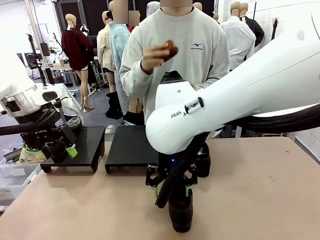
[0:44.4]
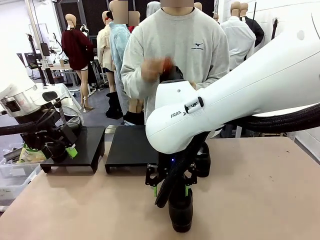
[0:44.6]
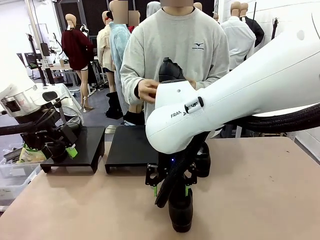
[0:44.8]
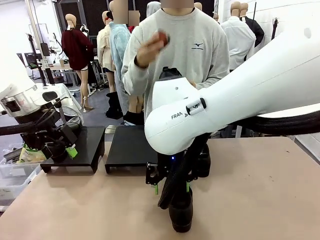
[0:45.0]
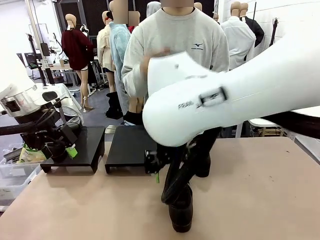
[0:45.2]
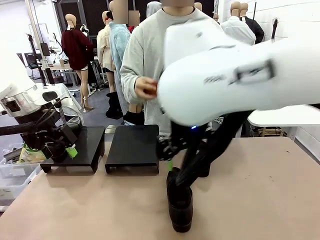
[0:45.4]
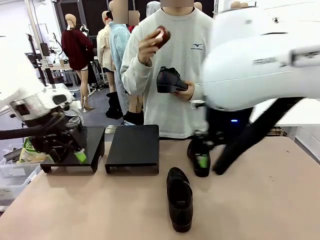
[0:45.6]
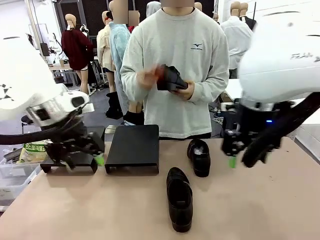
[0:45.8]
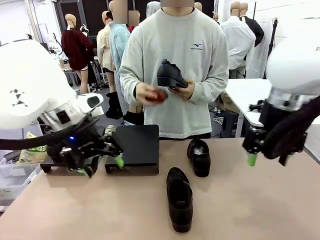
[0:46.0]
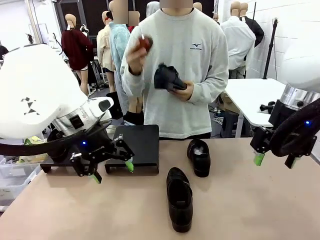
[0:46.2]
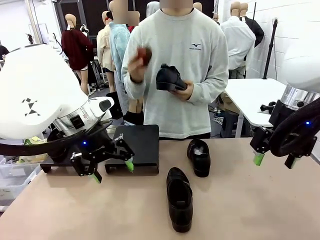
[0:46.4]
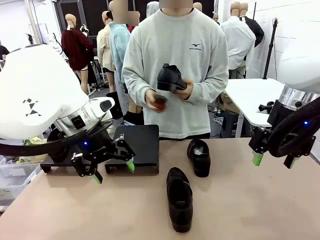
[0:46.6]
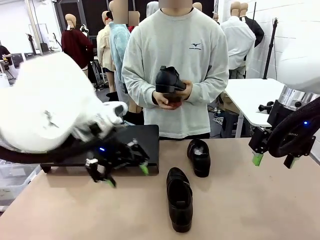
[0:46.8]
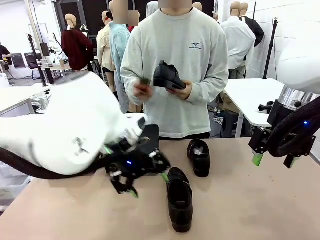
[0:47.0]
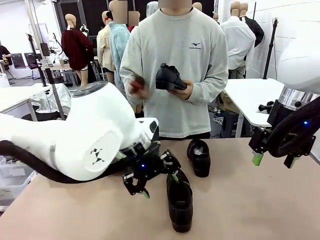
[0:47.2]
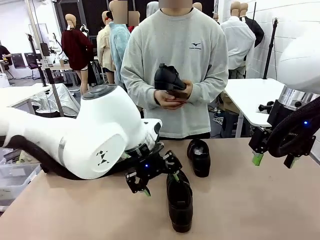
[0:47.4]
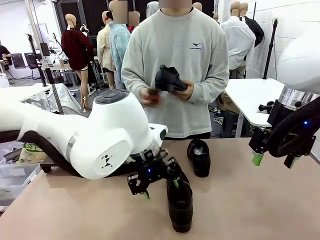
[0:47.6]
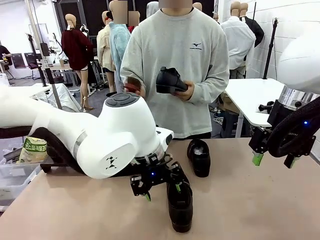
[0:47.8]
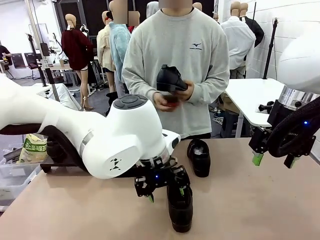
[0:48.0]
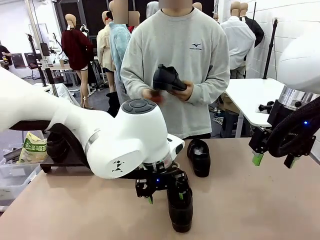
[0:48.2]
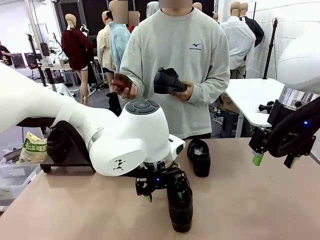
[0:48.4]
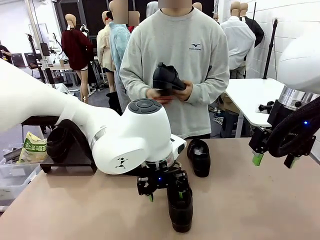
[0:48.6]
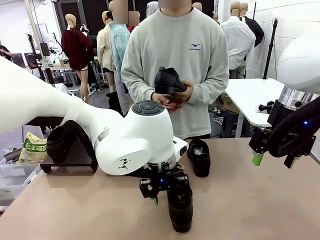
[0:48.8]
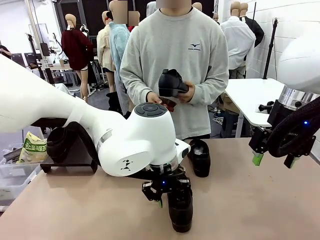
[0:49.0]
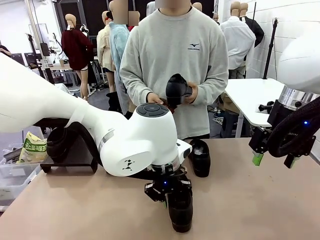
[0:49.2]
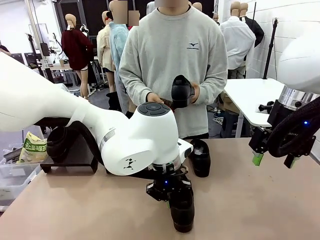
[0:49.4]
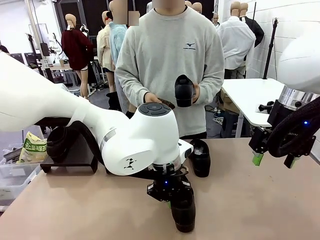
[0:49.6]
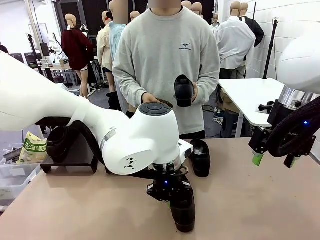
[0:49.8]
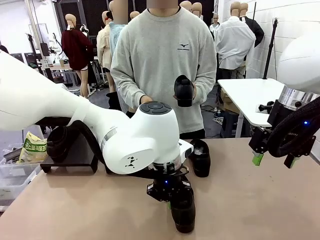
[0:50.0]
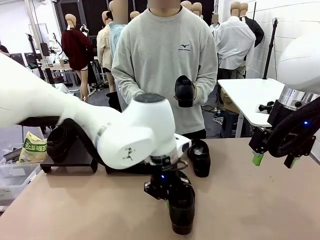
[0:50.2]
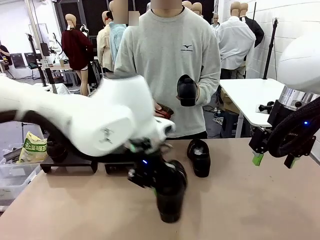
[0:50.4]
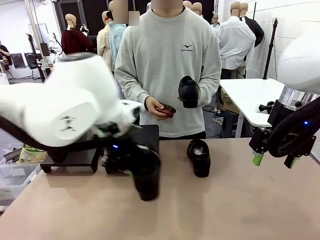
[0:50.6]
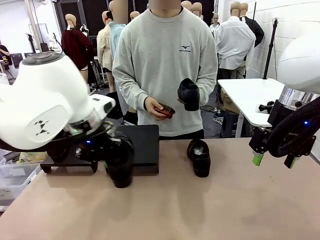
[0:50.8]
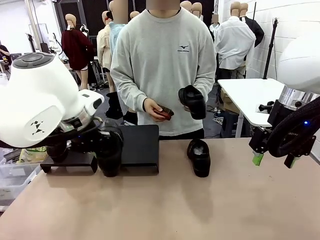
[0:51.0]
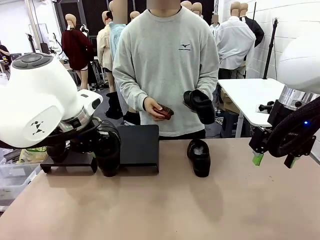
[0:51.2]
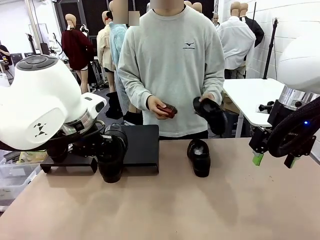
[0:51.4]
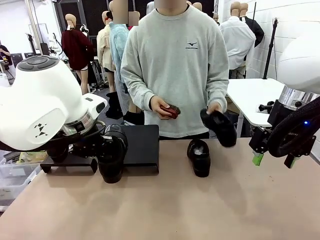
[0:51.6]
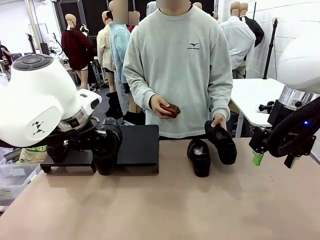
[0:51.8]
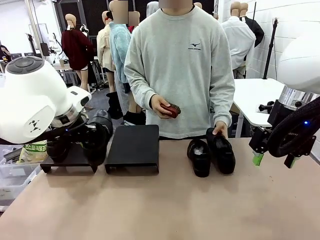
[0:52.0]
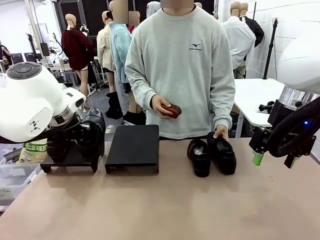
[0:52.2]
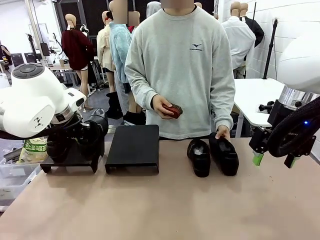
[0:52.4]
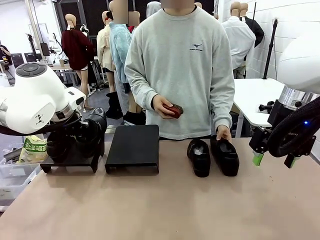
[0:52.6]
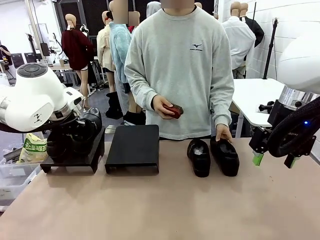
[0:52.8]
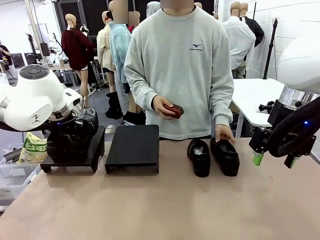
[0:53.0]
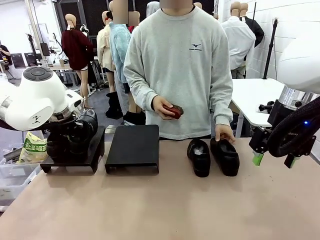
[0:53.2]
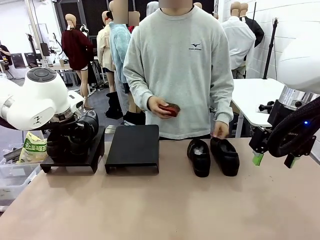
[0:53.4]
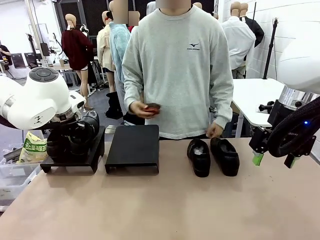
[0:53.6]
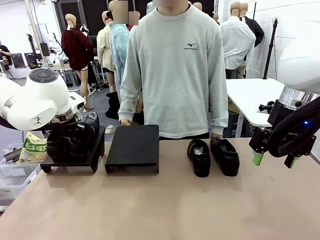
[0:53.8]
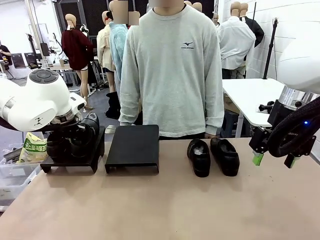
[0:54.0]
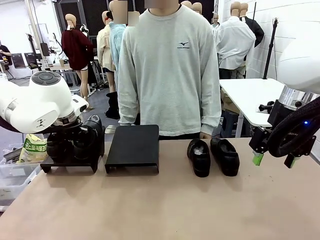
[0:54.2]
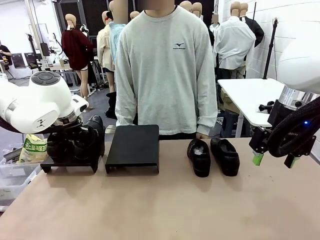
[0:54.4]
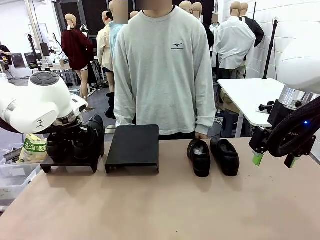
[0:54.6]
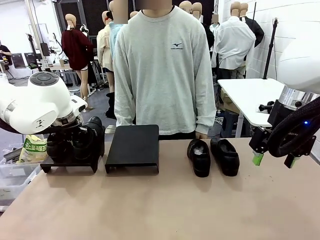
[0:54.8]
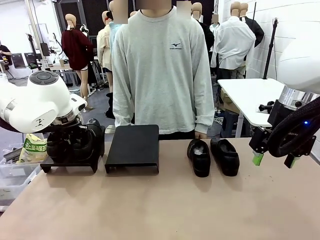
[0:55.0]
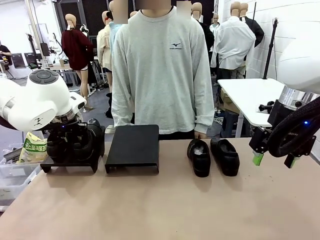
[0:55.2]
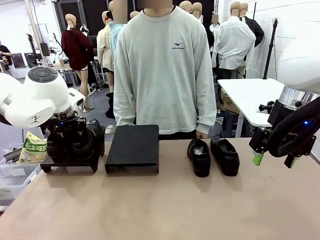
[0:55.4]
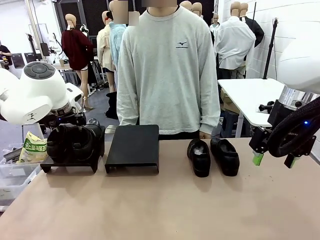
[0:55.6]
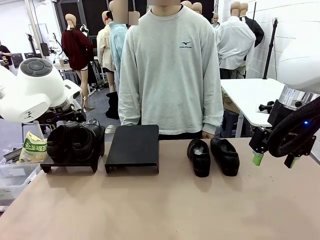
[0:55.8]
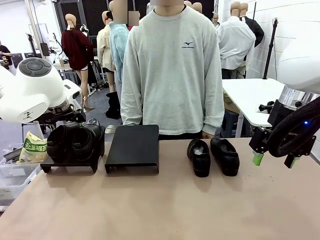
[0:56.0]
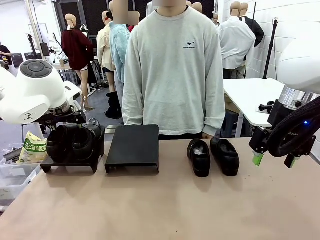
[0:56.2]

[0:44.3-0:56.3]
Task: Organize the shoes by placing them on the stand.
Robot: Place the Shoe from the middle of the table onto the Shoes Stand.

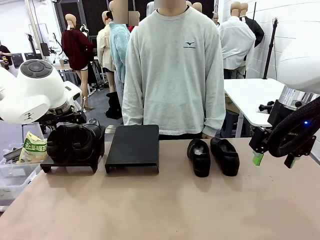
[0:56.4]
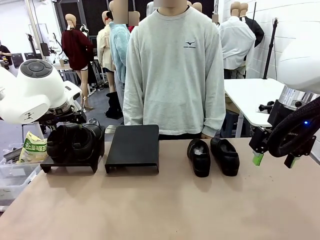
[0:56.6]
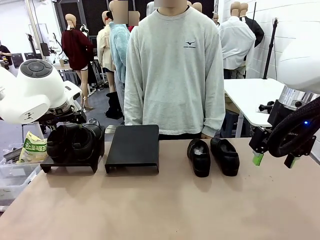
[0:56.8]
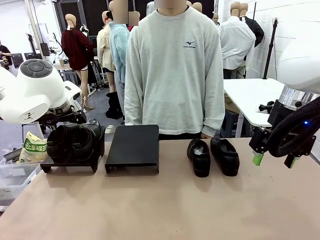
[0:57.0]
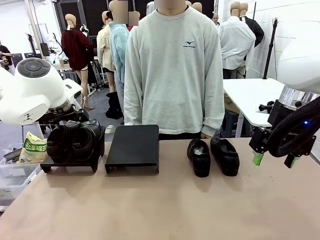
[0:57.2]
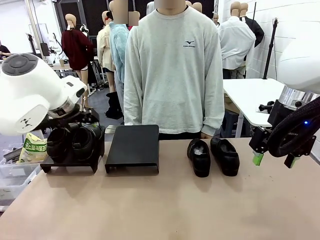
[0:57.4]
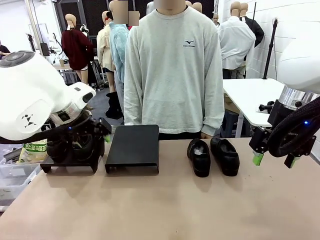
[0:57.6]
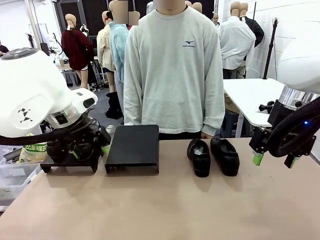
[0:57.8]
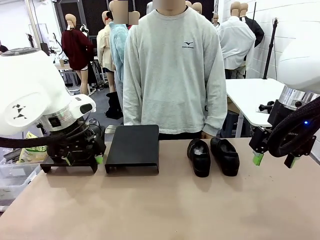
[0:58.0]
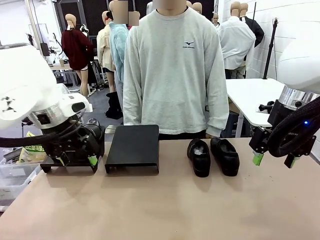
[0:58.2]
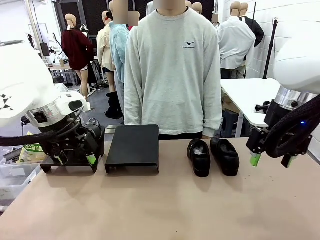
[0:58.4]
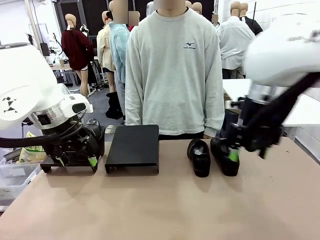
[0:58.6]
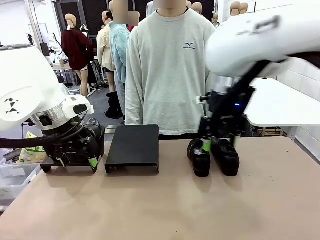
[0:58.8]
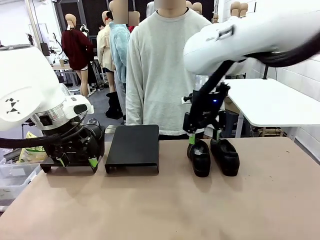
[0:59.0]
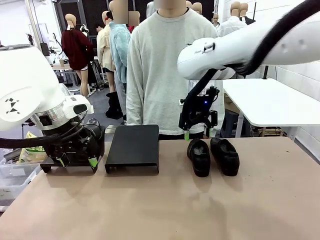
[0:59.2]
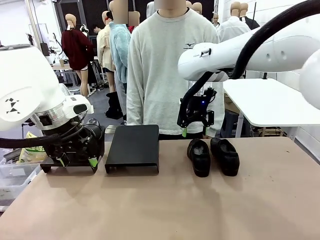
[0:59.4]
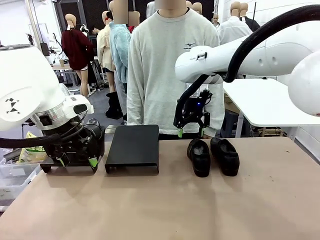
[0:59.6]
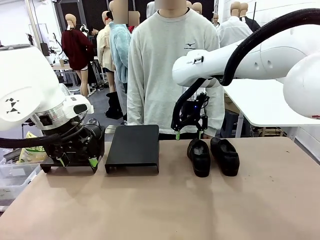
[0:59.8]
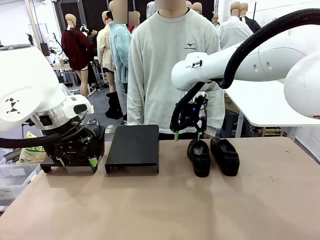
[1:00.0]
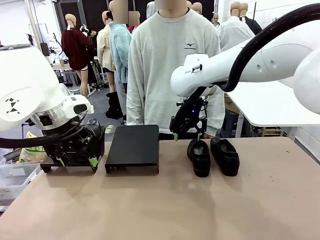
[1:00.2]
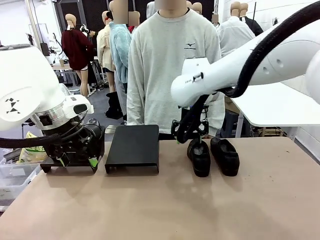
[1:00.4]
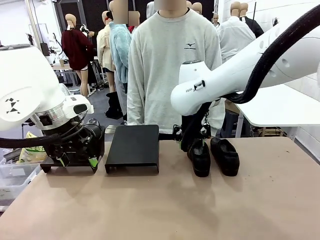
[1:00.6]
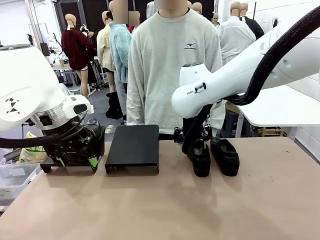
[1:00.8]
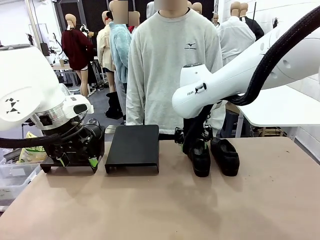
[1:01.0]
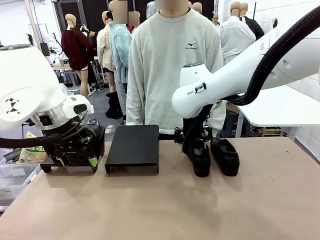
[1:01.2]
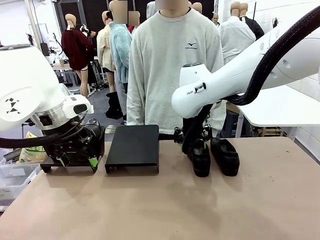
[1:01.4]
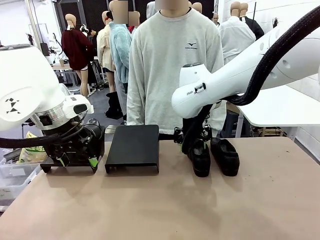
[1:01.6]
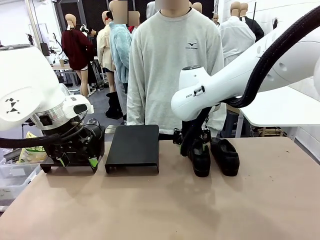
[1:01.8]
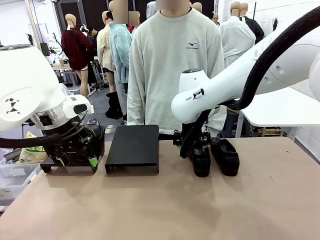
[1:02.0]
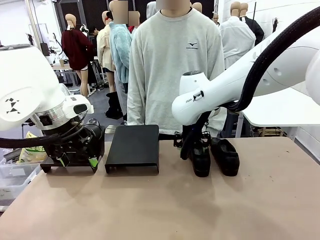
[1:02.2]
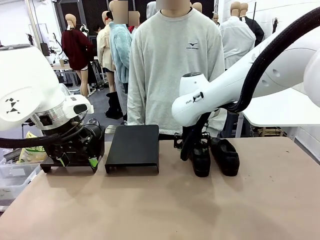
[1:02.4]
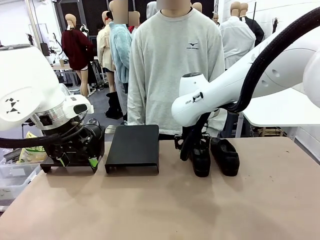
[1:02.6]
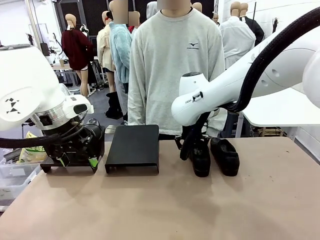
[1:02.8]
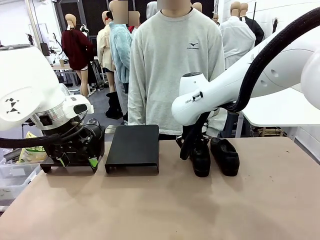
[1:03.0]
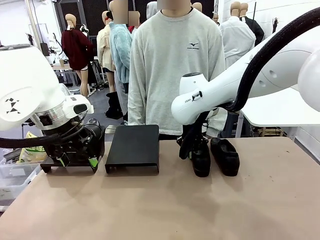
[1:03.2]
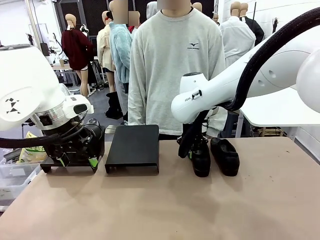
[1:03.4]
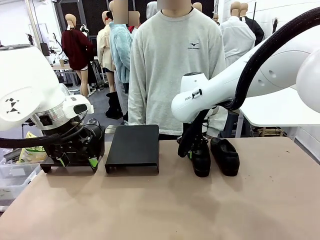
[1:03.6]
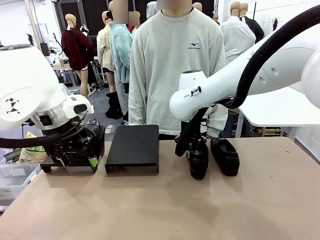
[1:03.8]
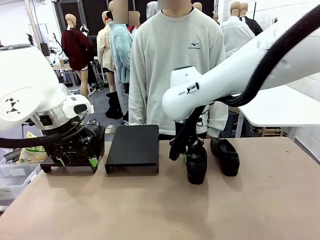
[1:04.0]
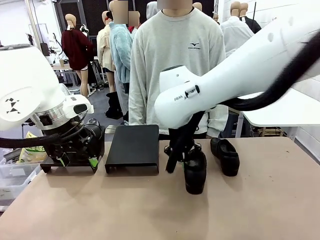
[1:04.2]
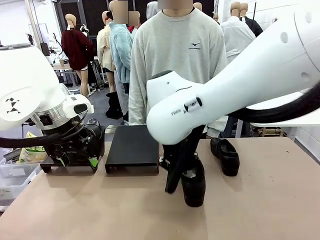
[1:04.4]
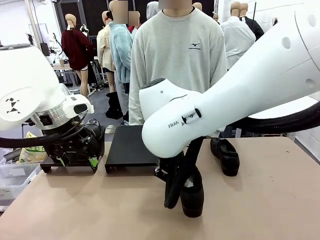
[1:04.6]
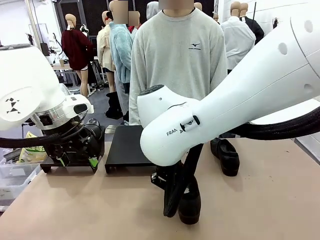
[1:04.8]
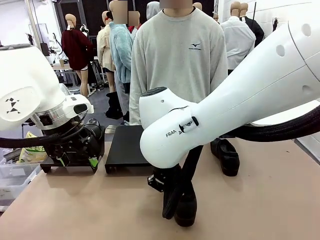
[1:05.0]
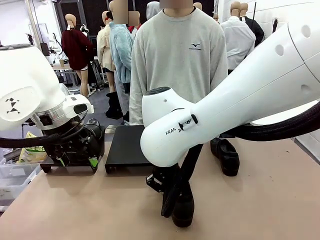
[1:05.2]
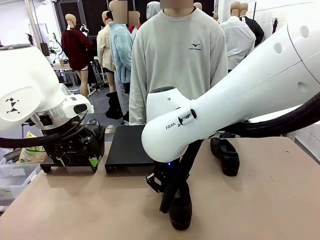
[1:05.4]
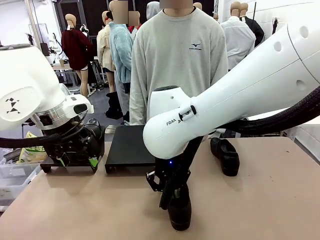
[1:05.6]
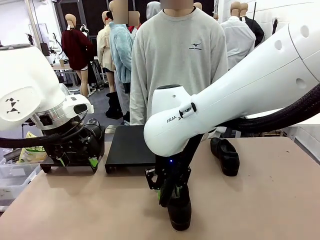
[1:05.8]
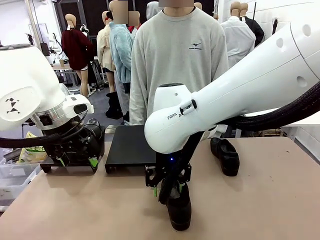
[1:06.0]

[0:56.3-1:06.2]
Robot: Pick up one Shoe and place it in the middle of the table.
